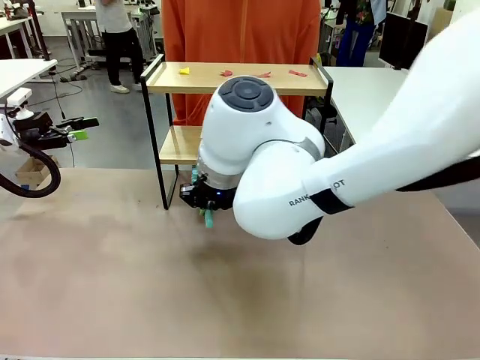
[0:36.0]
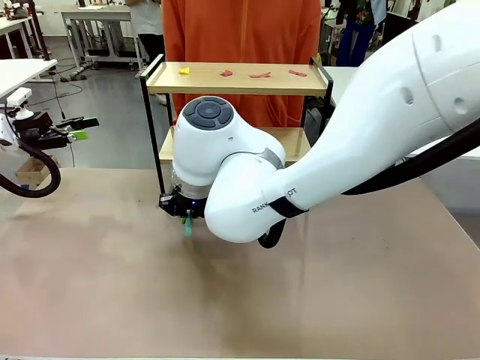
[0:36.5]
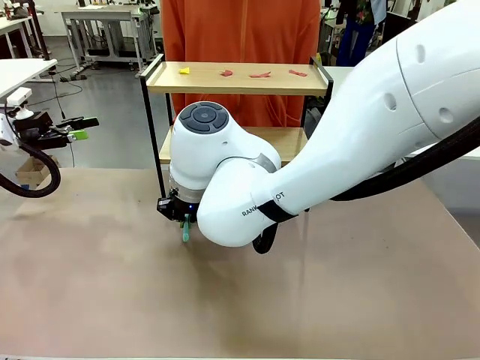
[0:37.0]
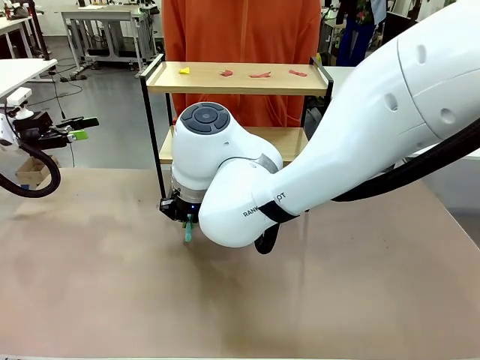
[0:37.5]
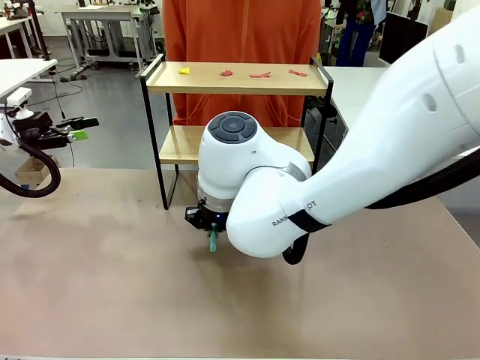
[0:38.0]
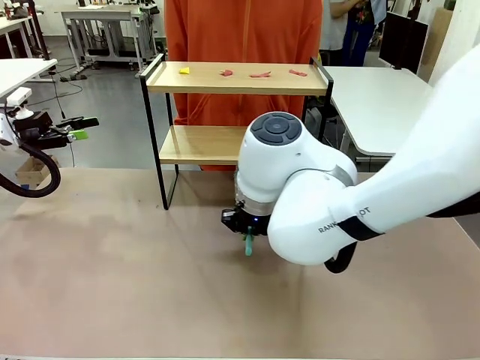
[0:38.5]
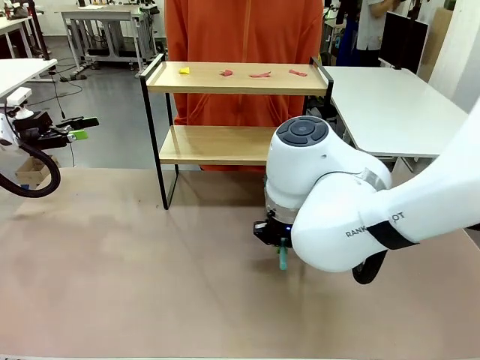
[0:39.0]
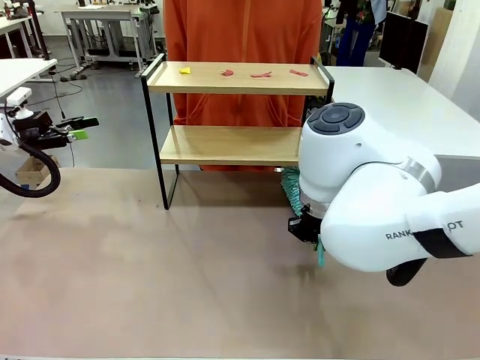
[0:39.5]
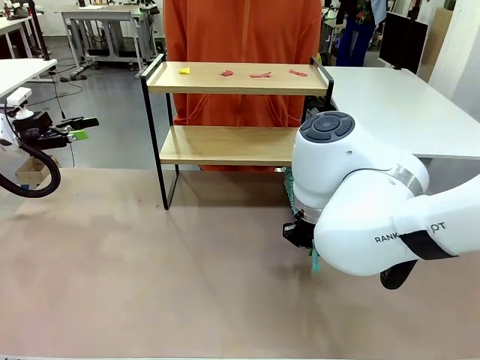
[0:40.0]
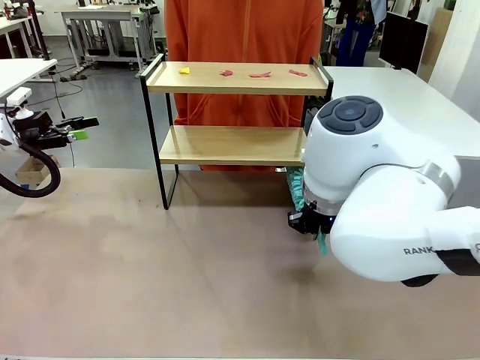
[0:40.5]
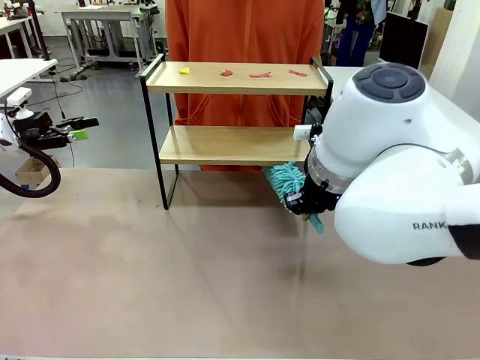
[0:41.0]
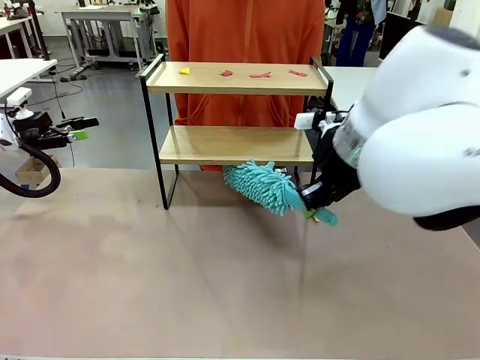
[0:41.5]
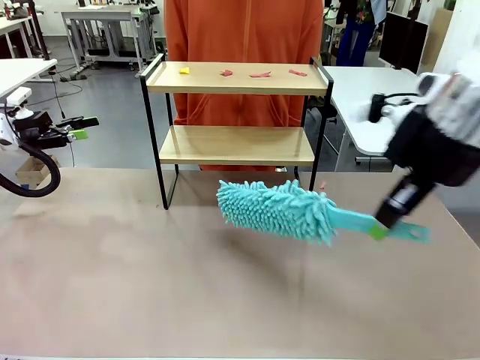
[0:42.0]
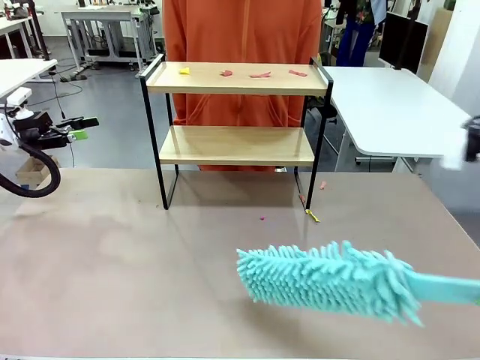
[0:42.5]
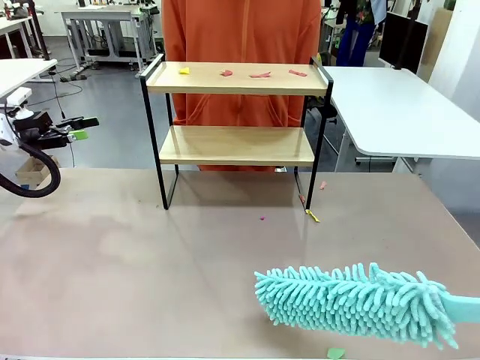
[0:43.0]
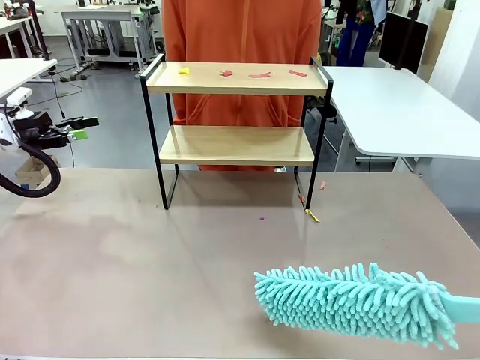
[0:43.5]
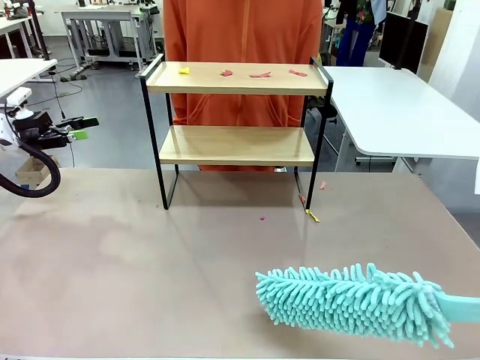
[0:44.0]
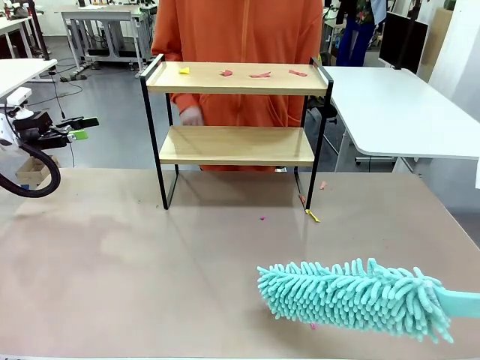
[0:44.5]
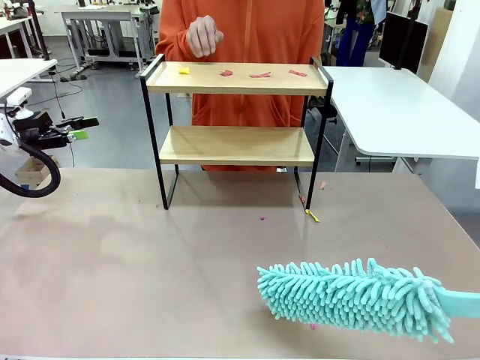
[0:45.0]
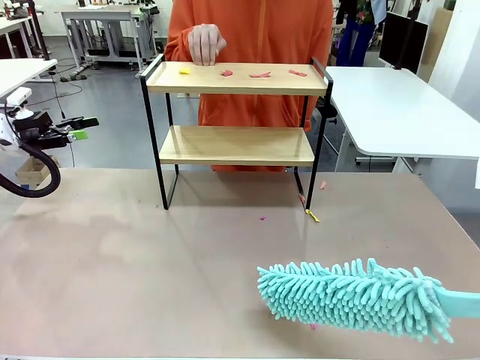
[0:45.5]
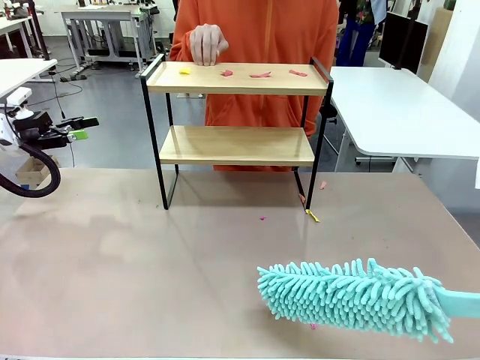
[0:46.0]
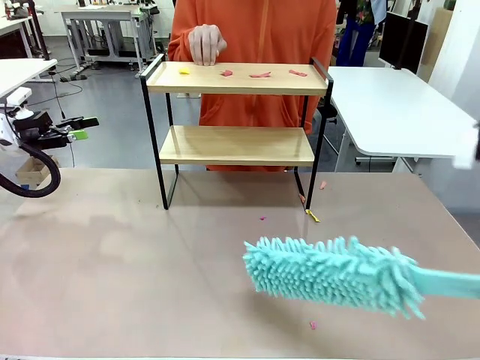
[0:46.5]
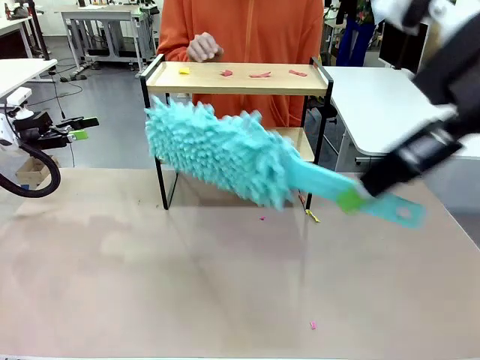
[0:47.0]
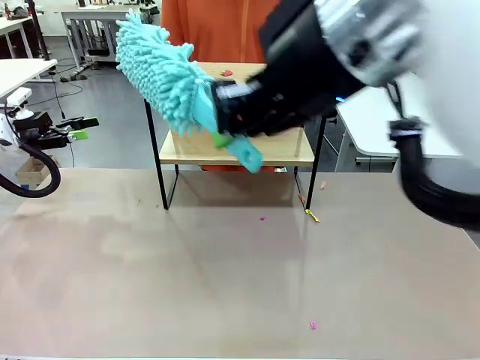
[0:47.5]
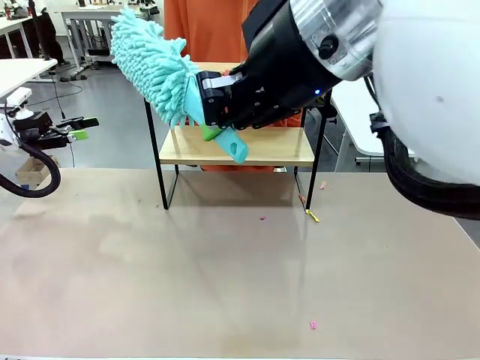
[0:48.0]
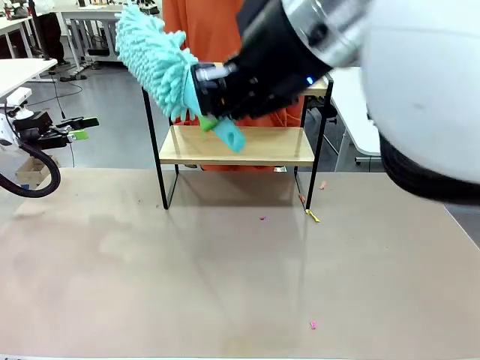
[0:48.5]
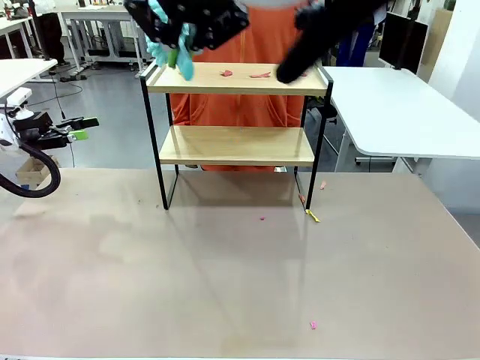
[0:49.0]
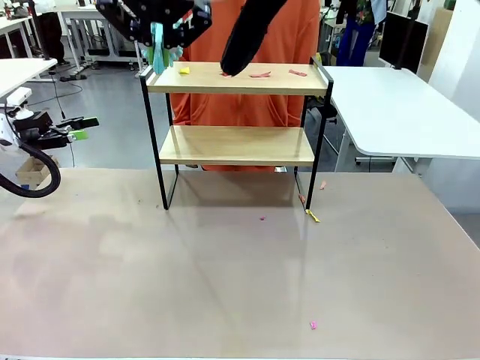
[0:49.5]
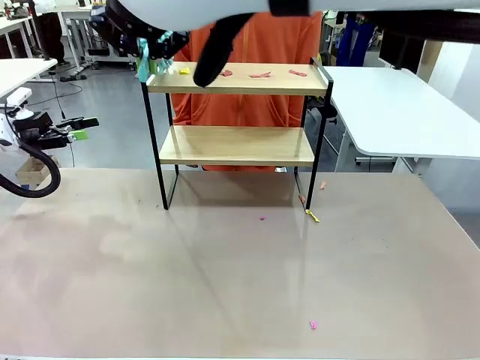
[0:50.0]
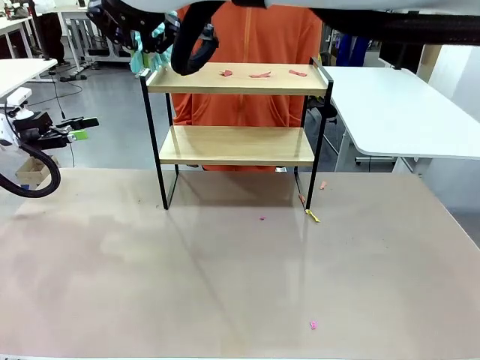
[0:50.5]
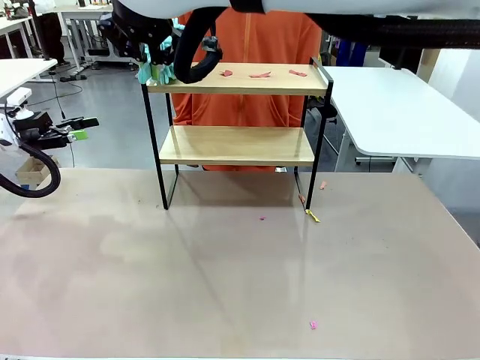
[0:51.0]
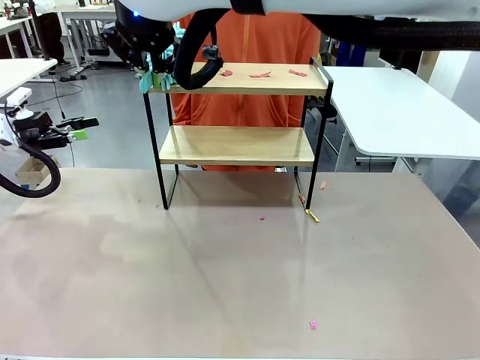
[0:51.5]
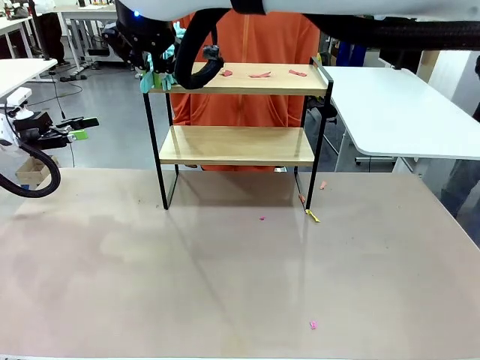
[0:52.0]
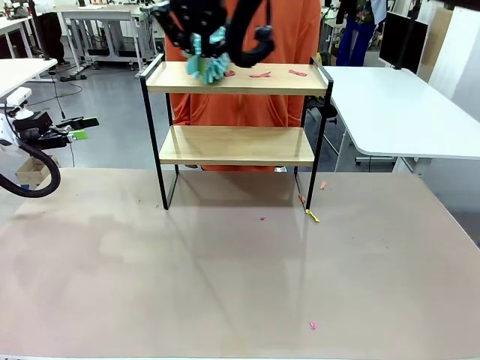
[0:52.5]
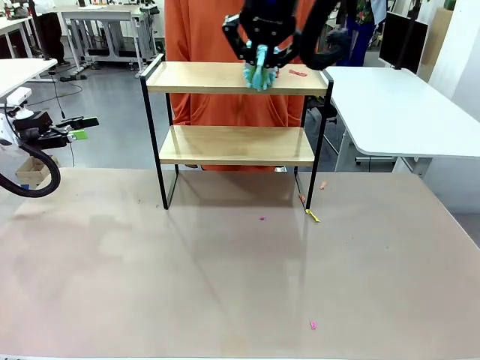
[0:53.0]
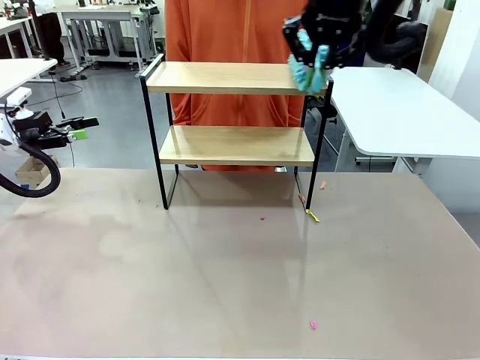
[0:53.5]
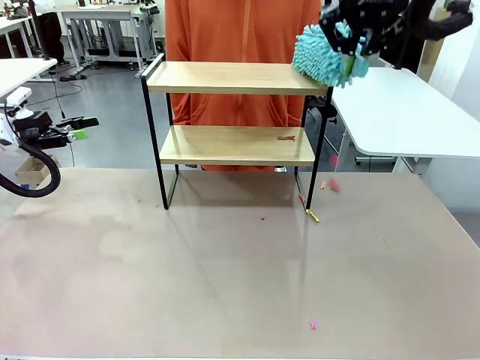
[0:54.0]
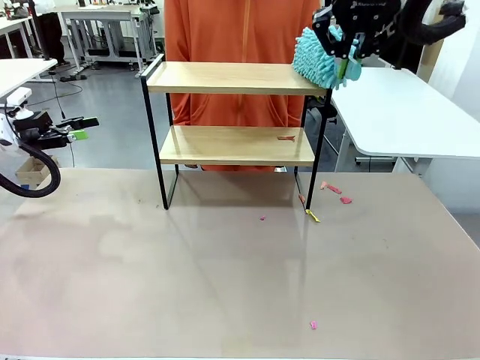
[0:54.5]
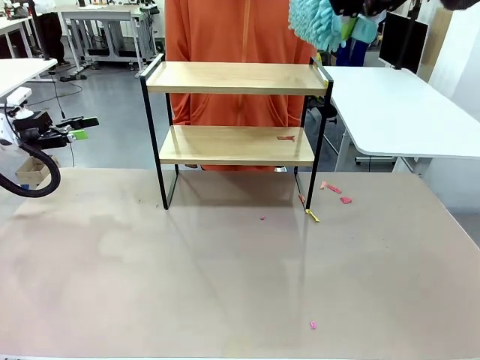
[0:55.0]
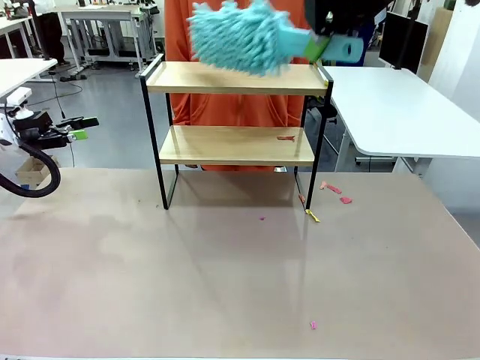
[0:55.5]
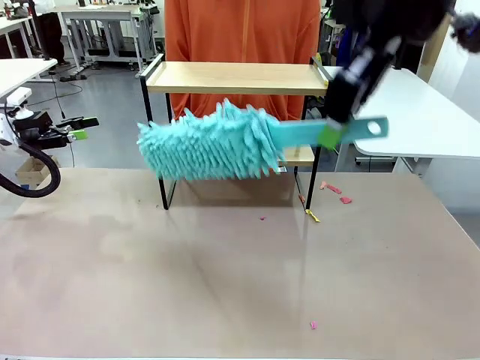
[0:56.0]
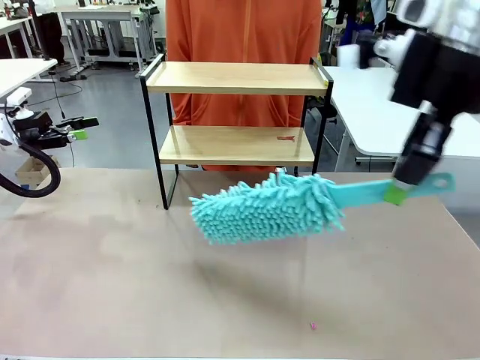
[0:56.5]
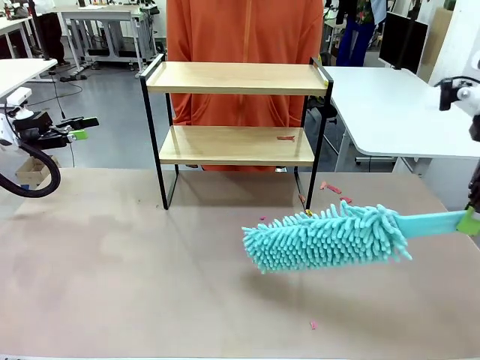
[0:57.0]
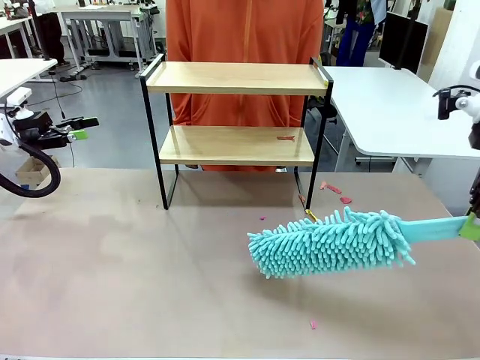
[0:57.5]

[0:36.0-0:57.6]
Task: Clean the shelf.
Robot: Clean the specific section of the Shelf indicated by the human with the Duster.
Person: Point a remaining section of the Shelf.
